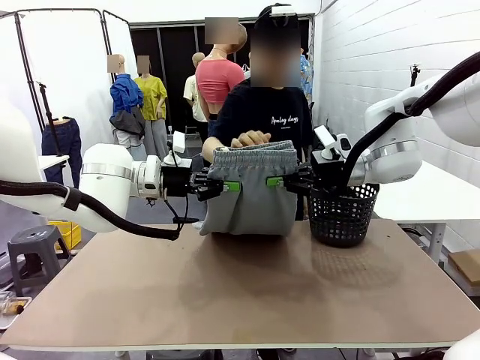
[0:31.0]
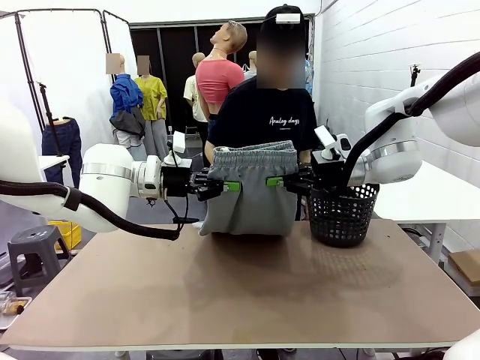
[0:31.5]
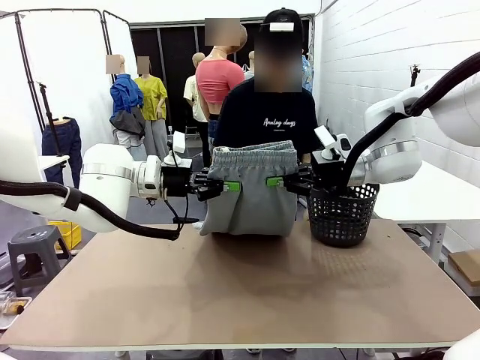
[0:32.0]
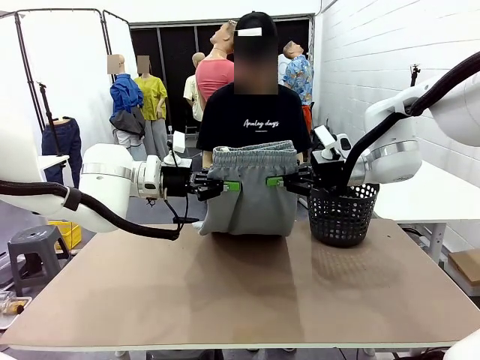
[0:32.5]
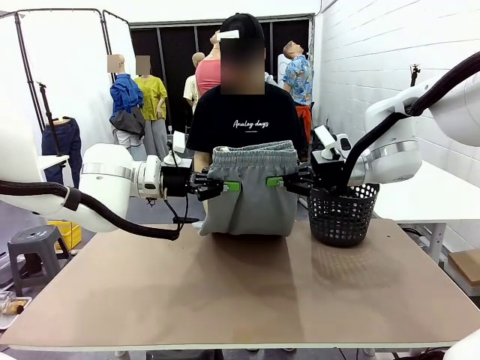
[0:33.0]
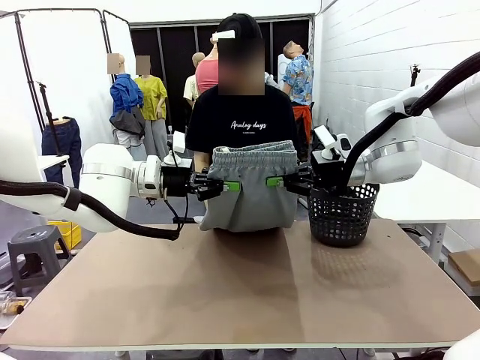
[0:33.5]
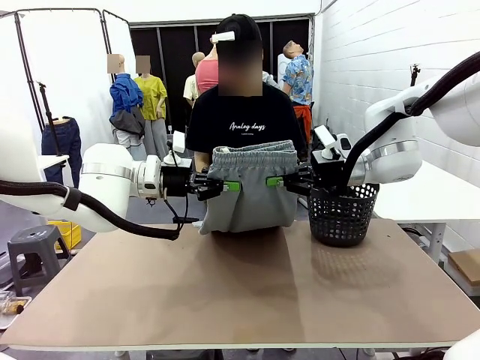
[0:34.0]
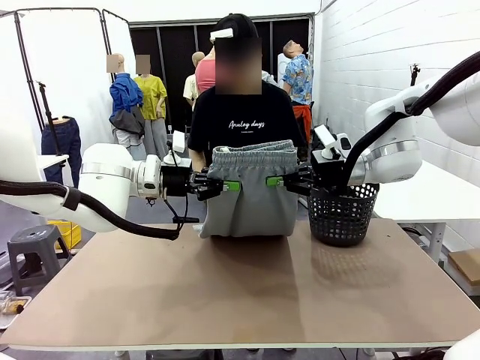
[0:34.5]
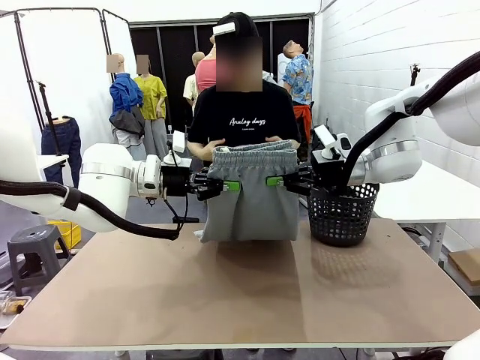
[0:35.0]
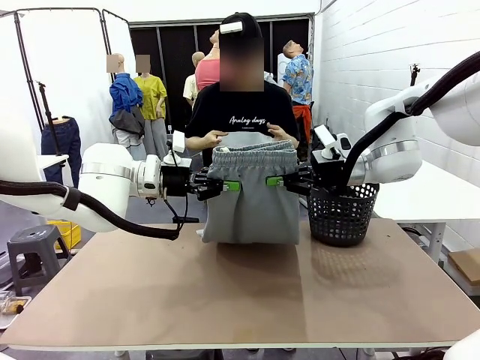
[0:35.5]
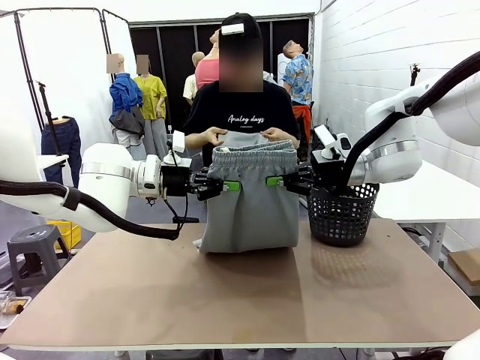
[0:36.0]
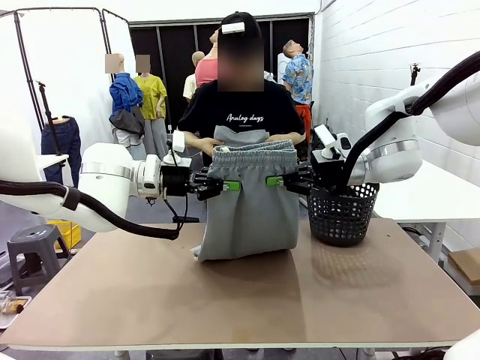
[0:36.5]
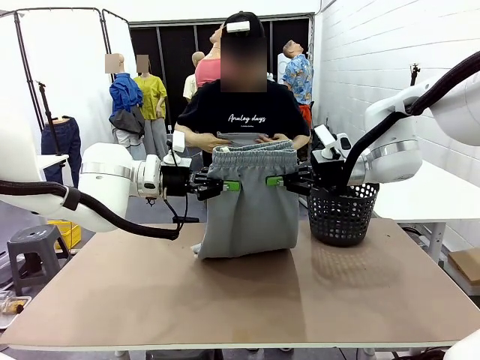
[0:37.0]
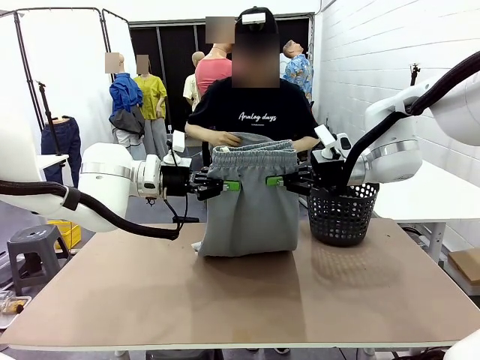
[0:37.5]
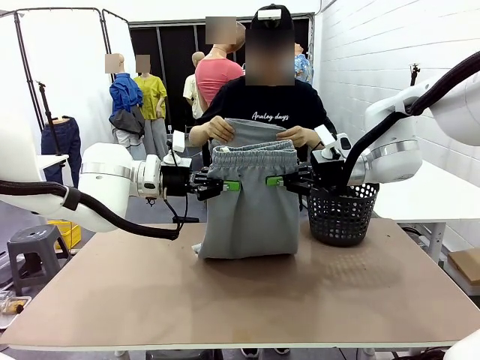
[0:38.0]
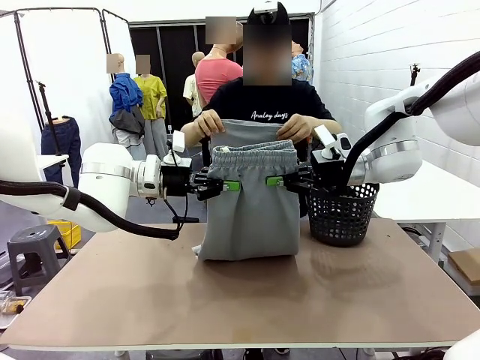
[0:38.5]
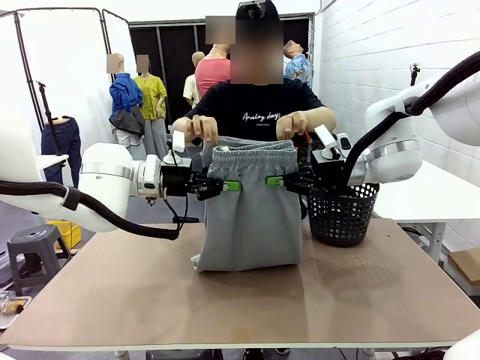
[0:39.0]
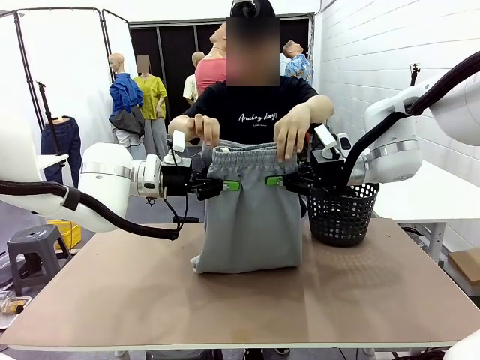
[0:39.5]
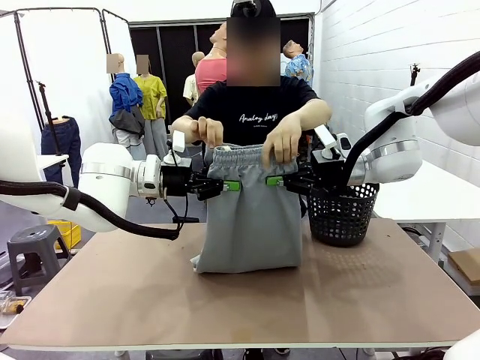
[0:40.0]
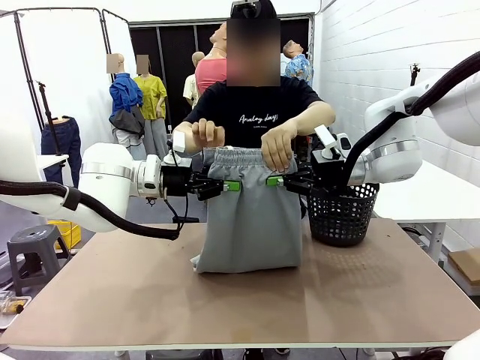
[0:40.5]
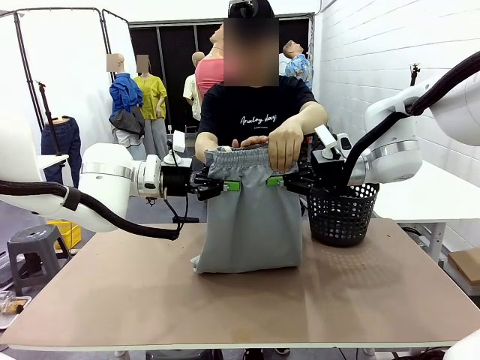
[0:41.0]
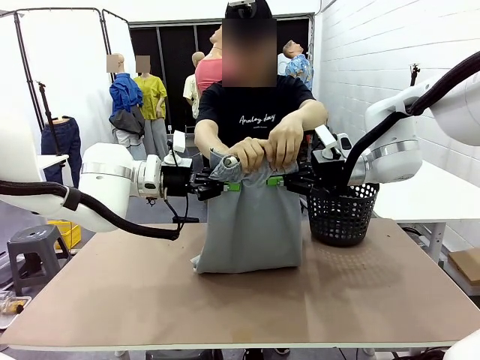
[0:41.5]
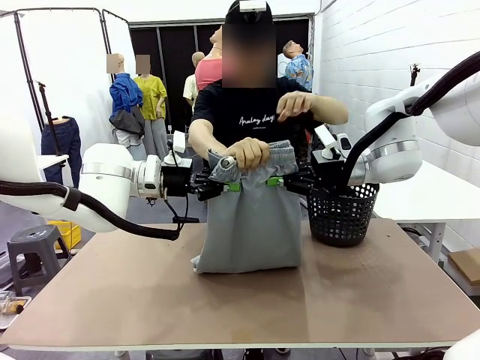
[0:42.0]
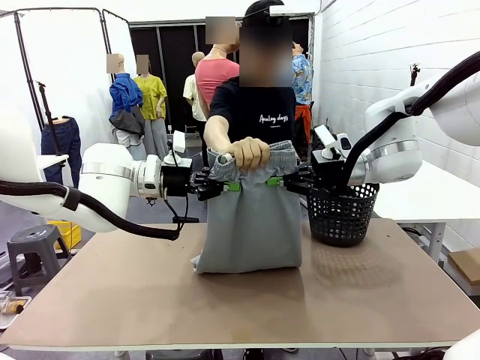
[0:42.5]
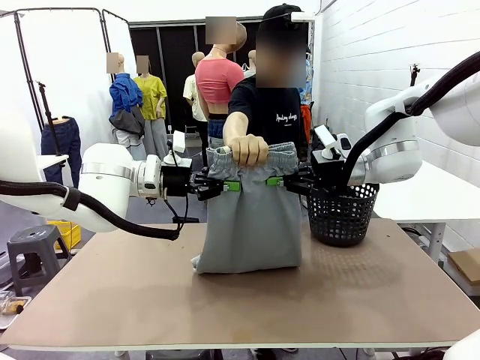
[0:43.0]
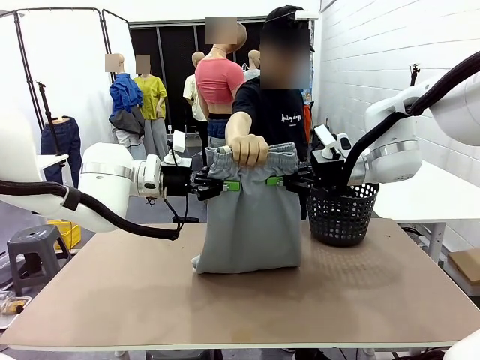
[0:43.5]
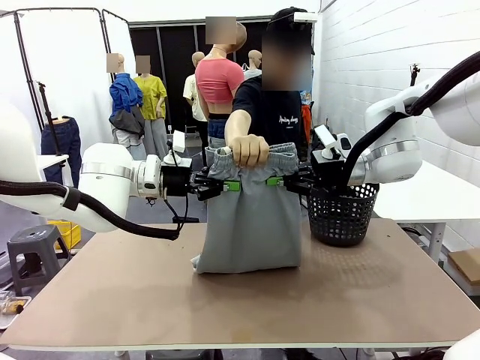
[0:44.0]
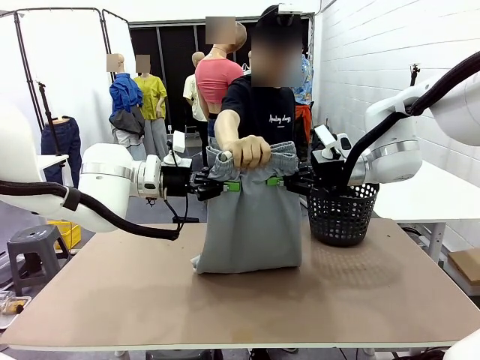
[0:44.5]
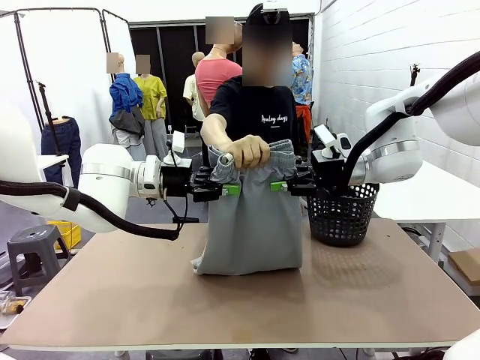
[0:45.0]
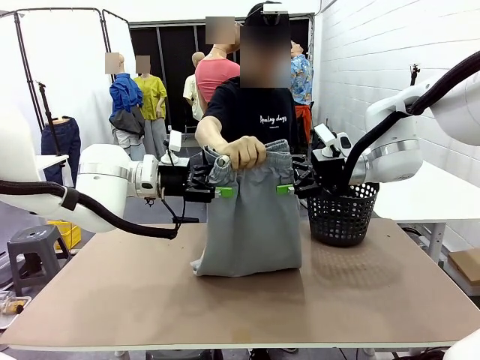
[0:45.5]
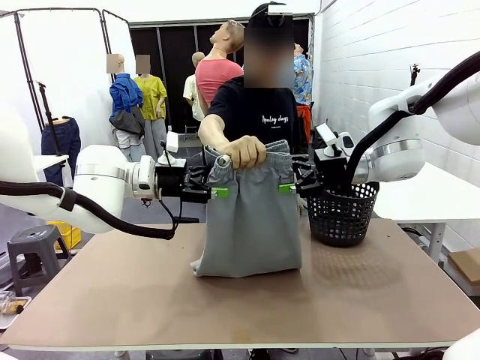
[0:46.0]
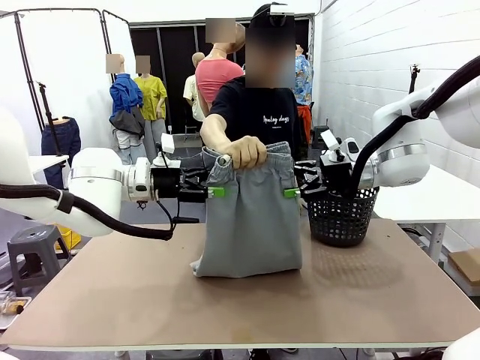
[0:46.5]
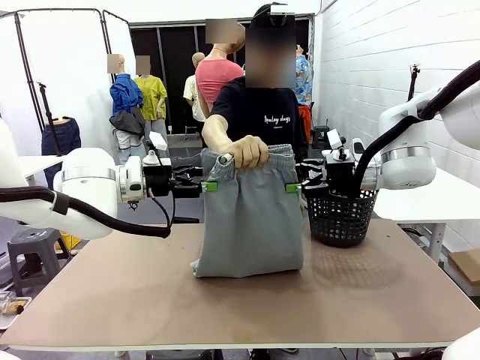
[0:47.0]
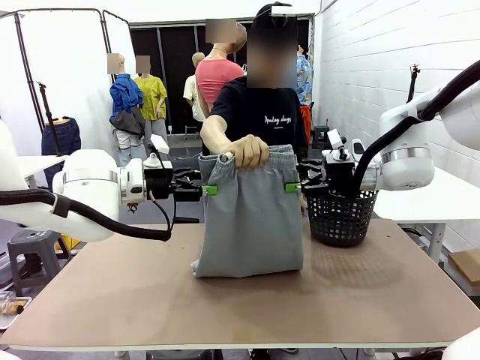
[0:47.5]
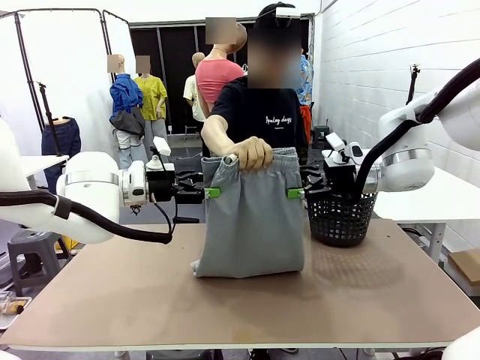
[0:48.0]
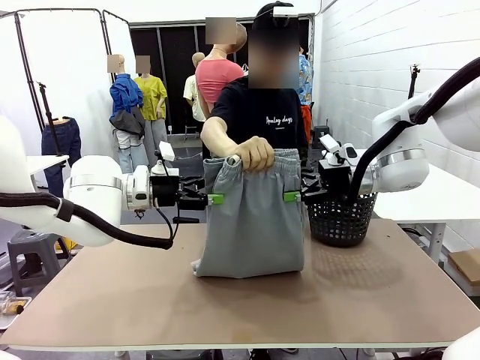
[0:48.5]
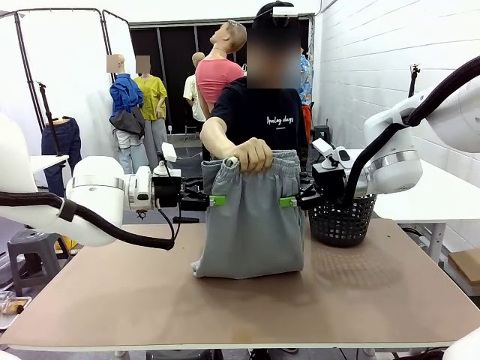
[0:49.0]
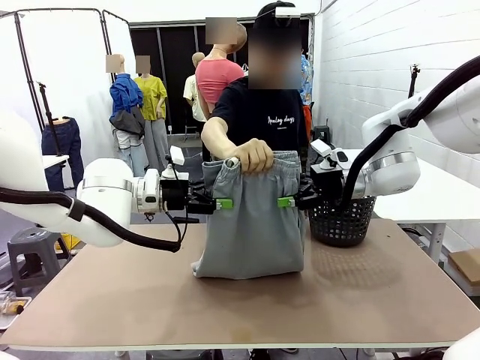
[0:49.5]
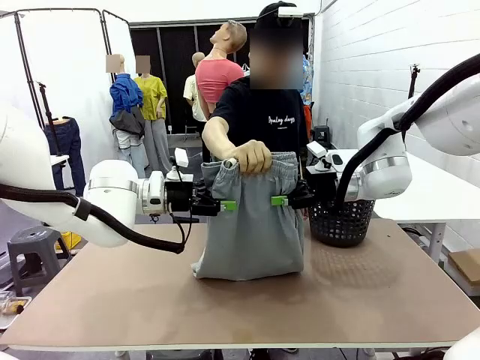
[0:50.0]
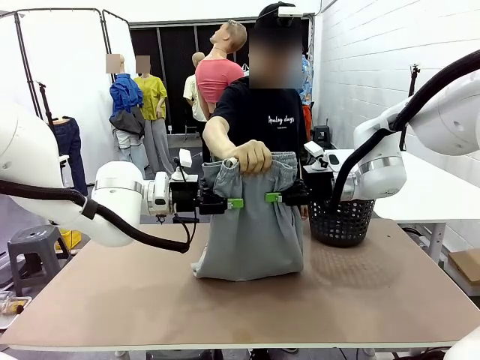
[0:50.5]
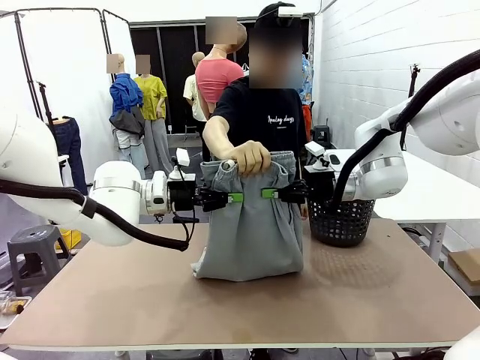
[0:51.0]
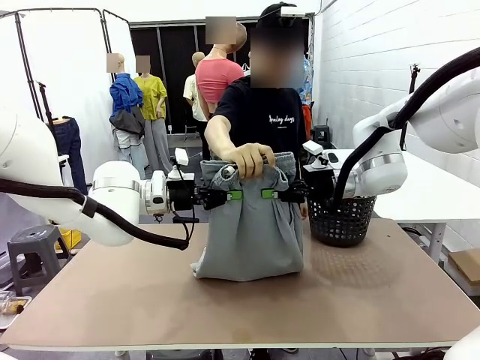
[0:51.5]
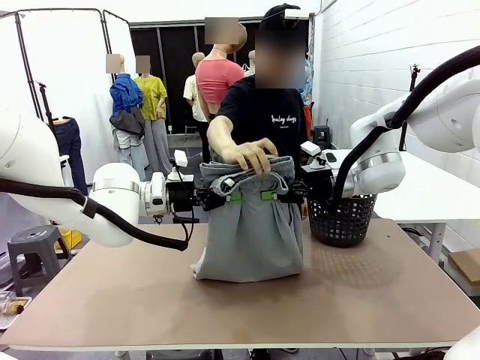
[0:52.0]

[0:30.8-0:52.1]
Task: Fold the training pants.
Robot: Release the ends of the Training pants and then grab the overlapped ends.
Person: Grasp the end opposite the point the robot is holding, fold the pants in half, and then grasp the overlapping top end of the folded pants. Release the pants you were holding.

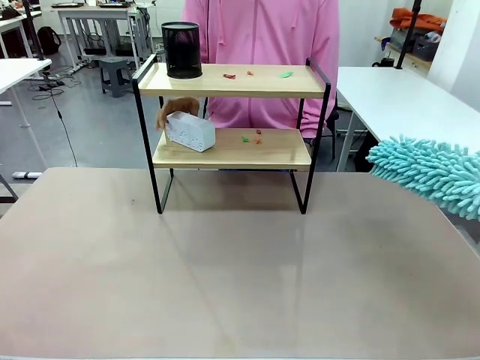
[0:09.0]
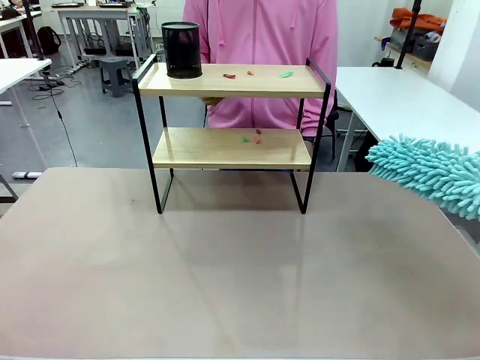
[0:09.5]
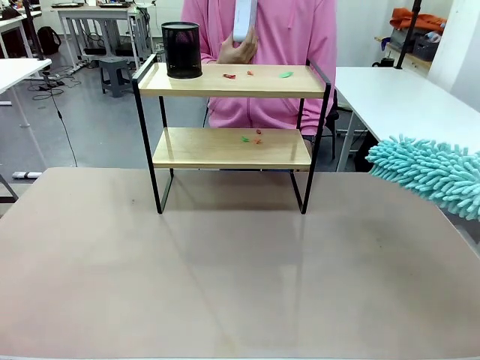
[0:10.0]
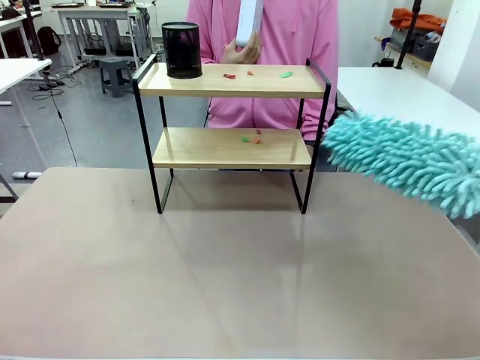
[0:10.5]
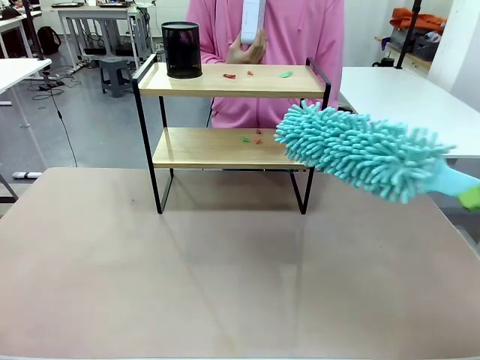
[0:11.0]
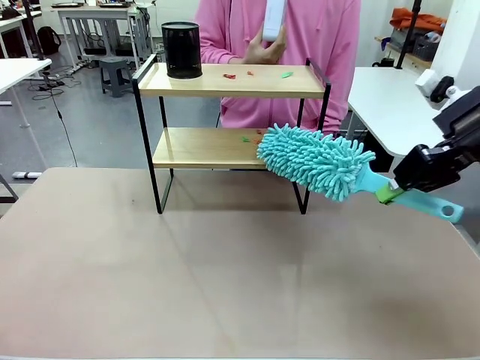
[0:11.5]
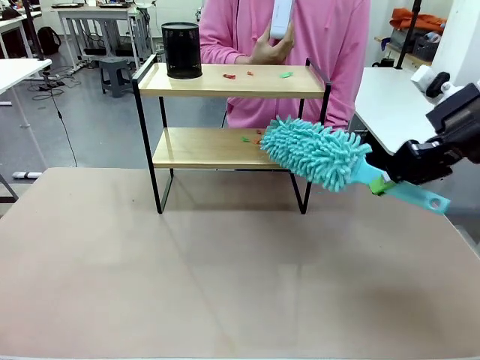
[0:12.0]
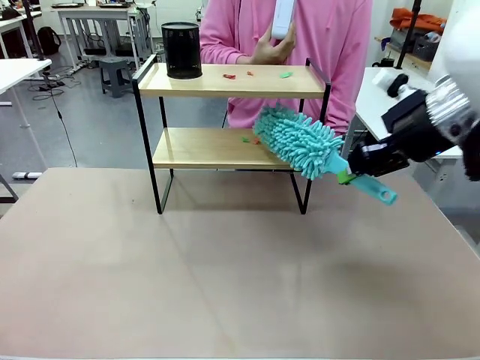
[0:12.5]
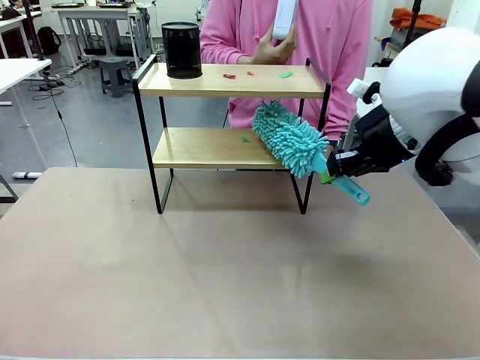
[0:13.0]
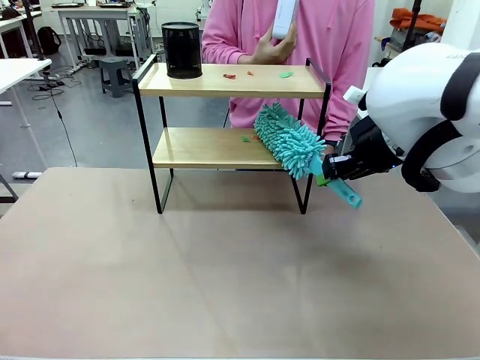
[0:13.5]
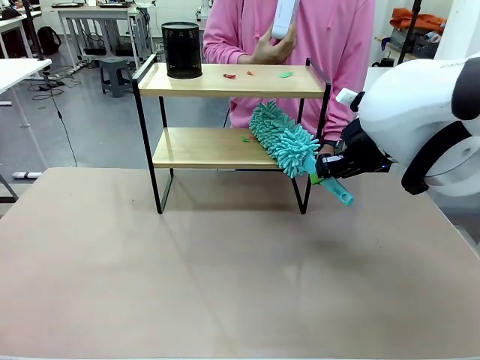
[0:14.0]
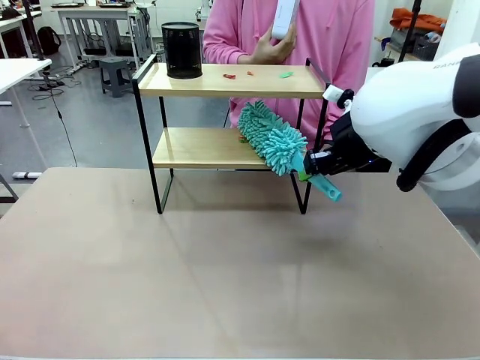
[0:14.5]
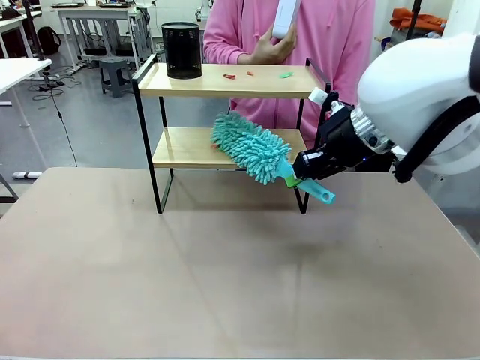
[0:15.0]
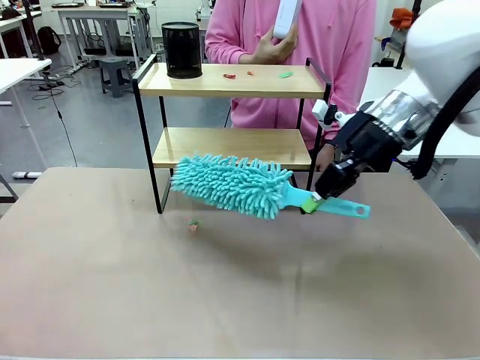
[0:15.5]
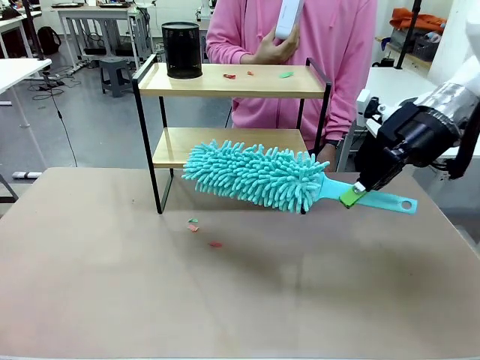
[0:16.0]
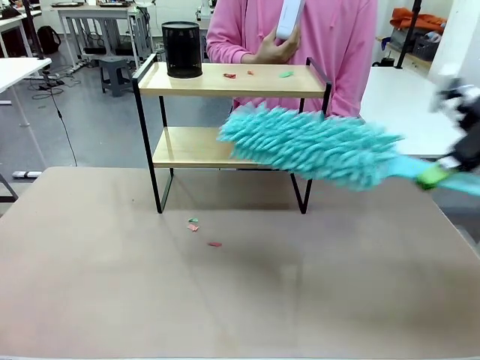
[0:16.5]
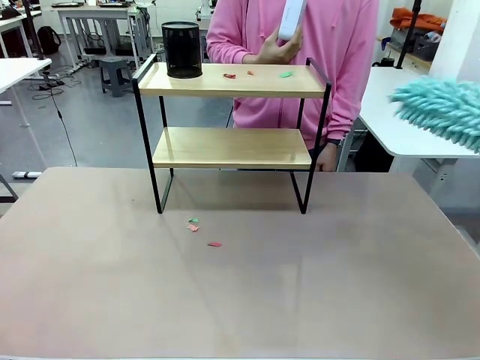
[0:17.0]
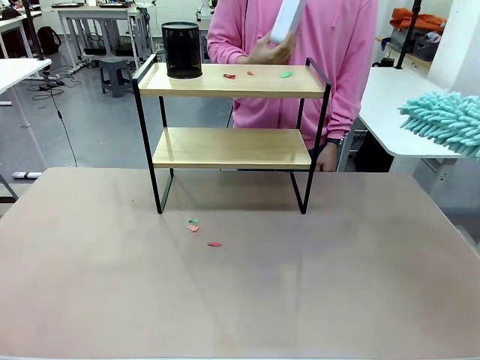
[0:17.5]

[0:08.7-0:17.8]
Task: Clean the shelf.
Robot: Clean the specific tier of the Shelf with the Duster once objects are removed.
Person: Lift the objects on a randomly selected tier of the Shelf. Once the robot finishes cleaning, lift the objects on the remaining tiers of the Shelf.
